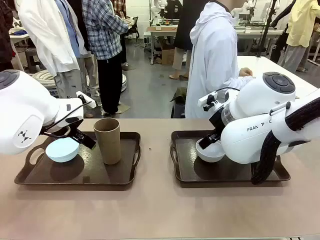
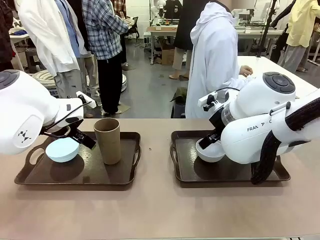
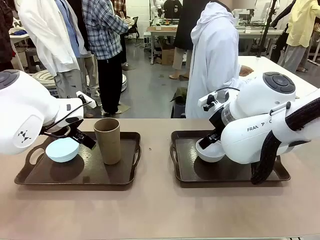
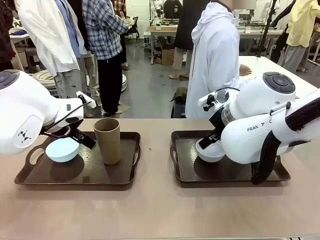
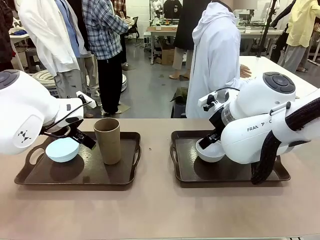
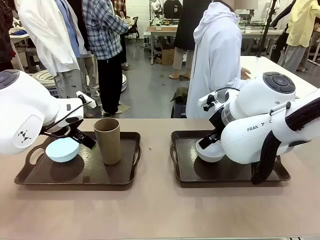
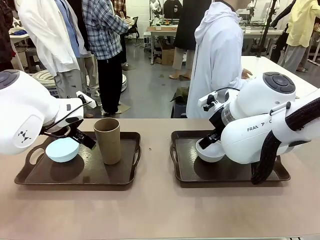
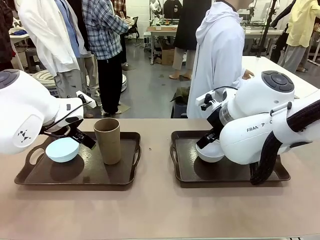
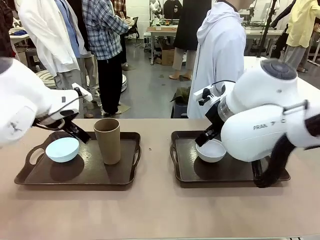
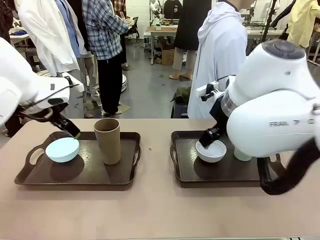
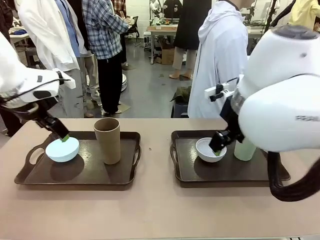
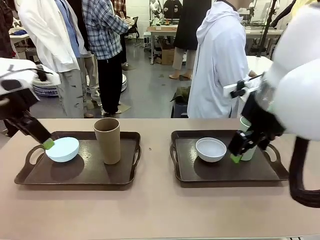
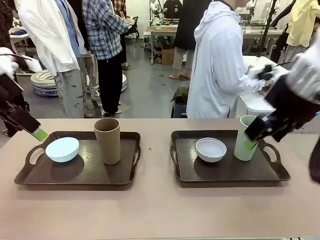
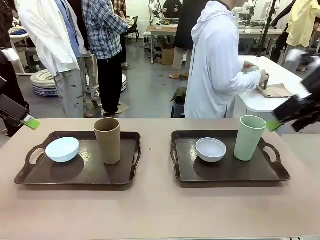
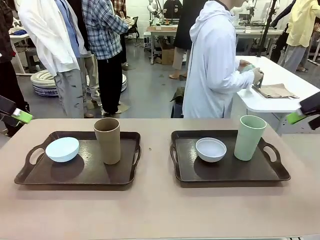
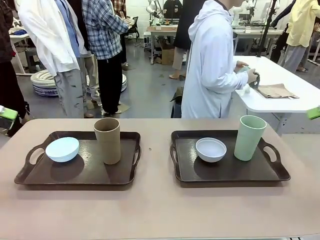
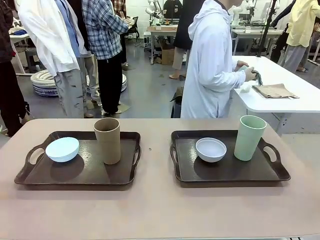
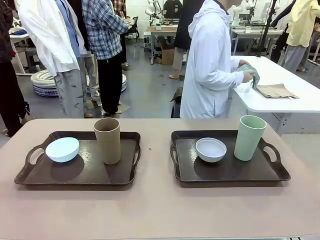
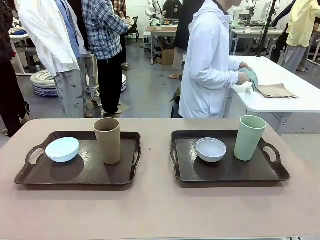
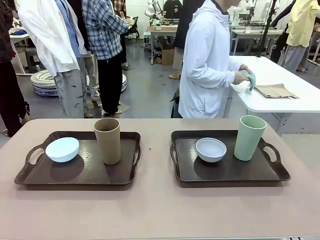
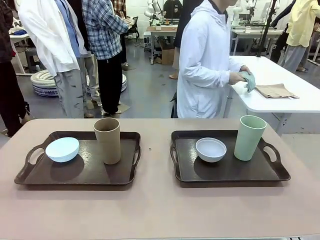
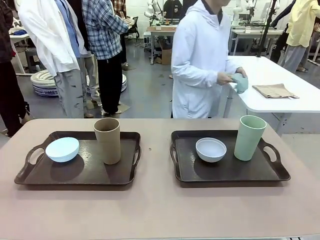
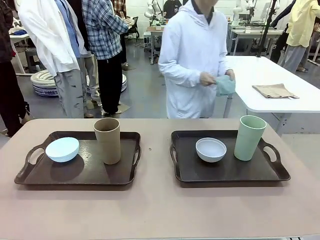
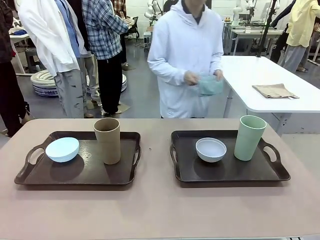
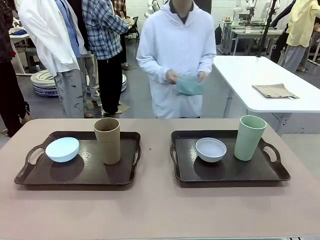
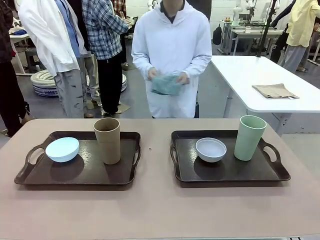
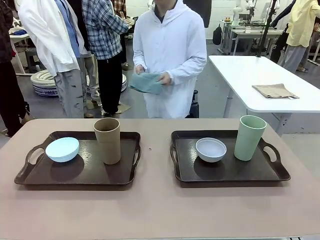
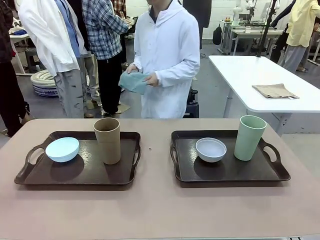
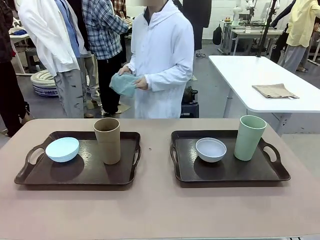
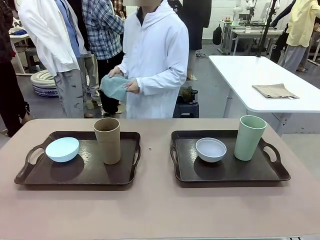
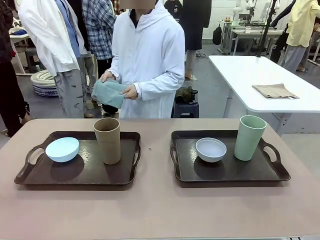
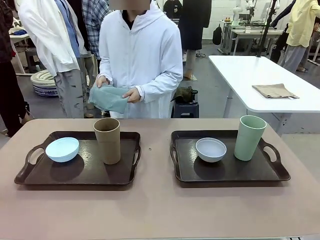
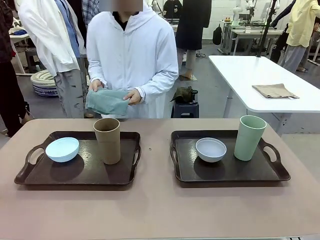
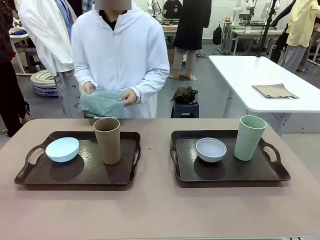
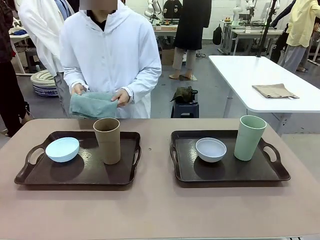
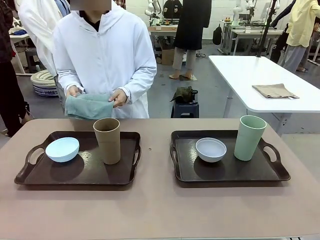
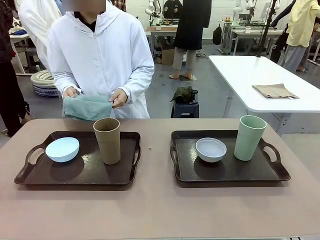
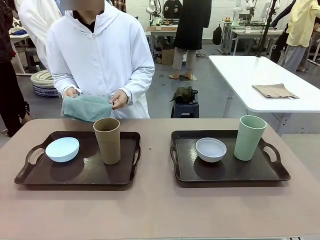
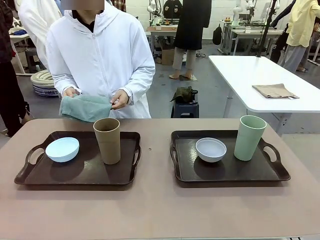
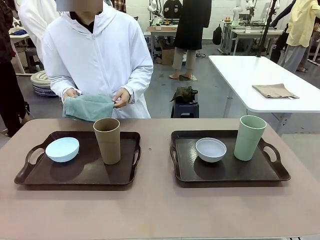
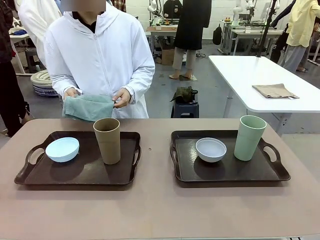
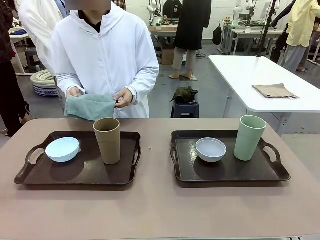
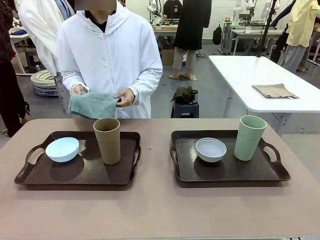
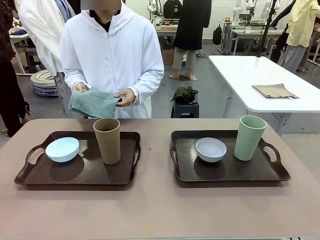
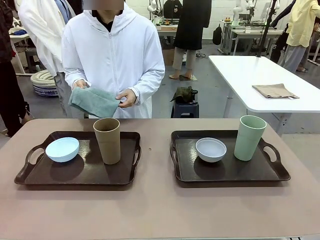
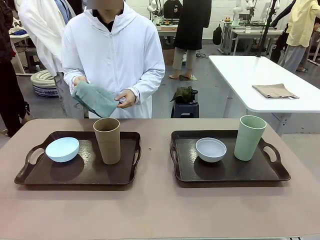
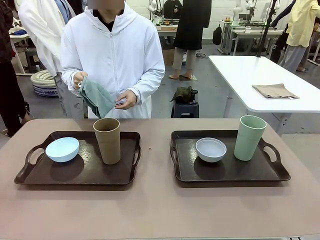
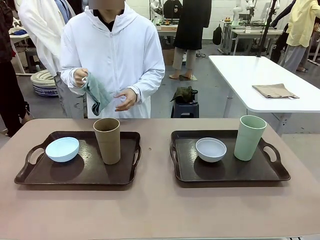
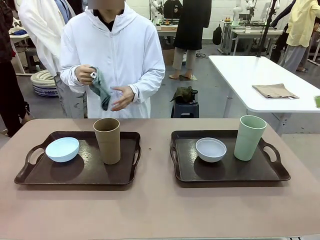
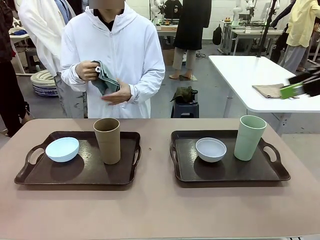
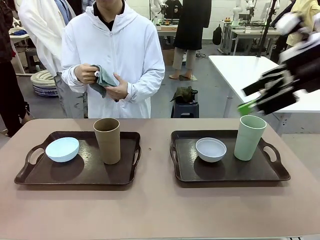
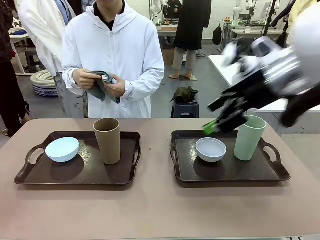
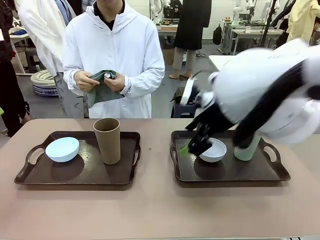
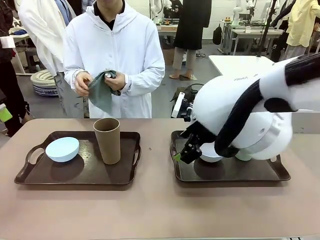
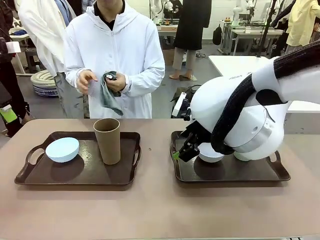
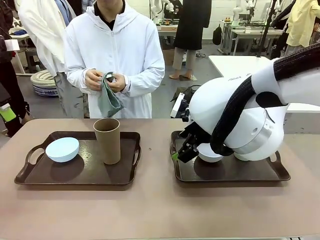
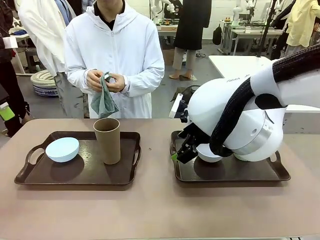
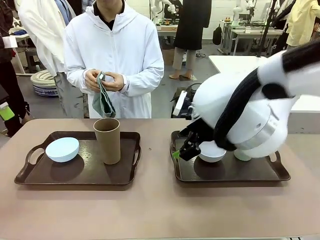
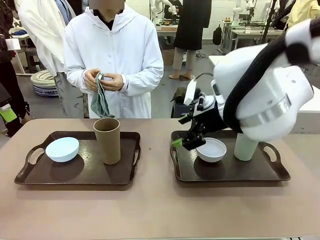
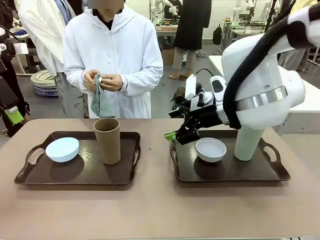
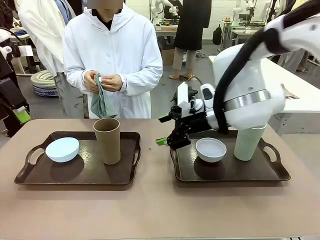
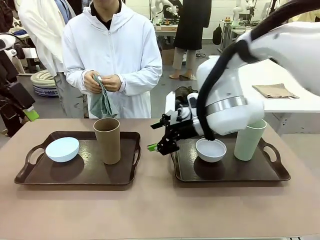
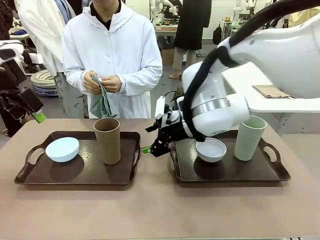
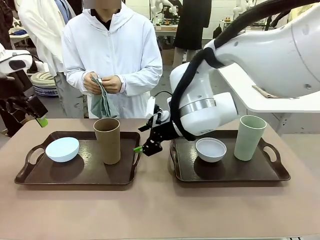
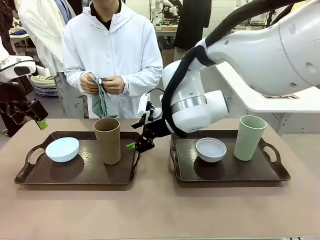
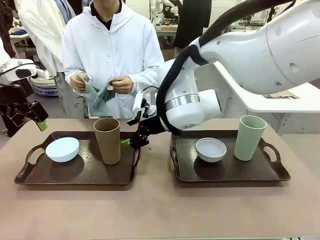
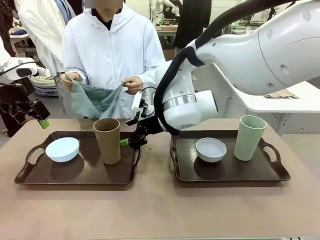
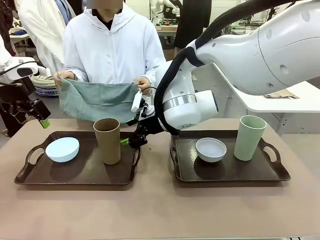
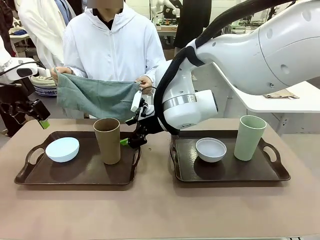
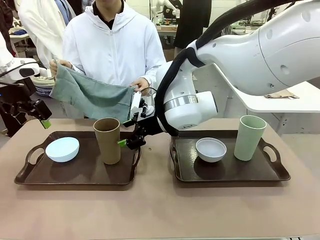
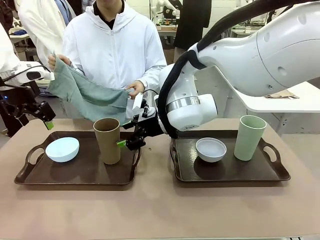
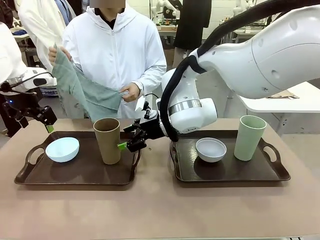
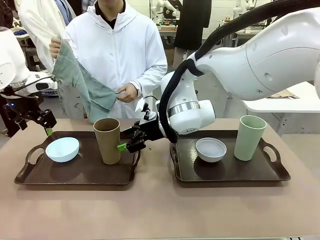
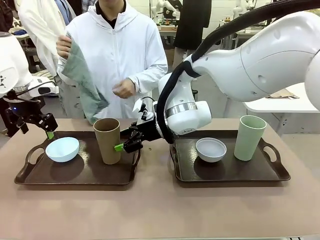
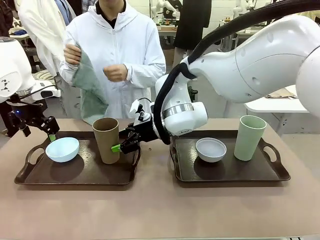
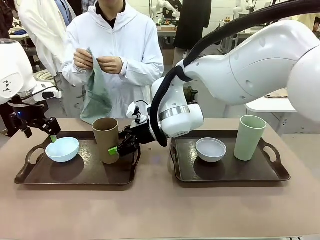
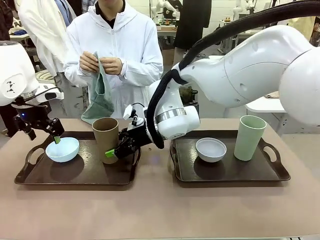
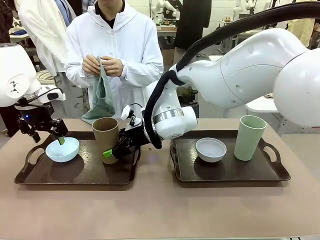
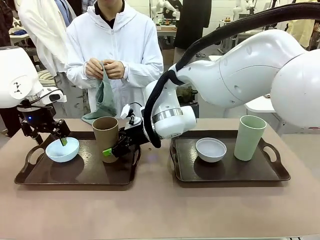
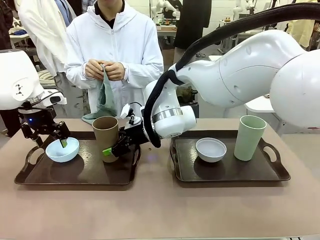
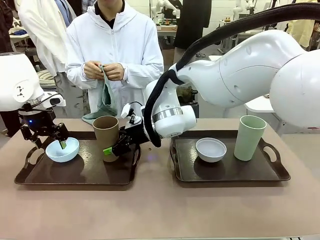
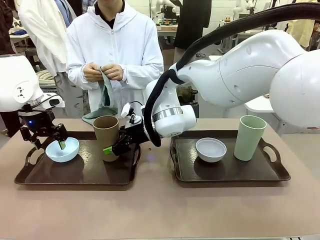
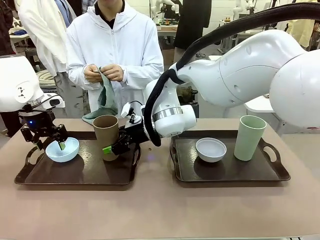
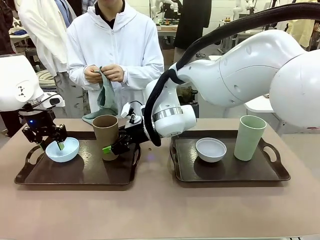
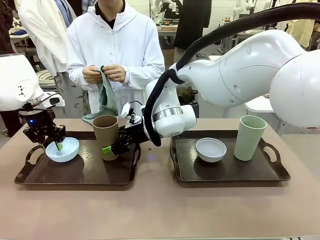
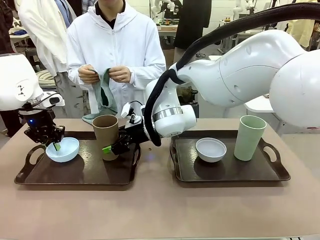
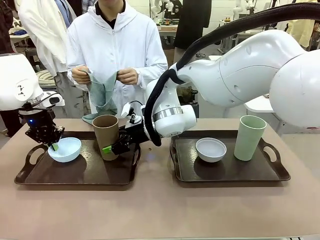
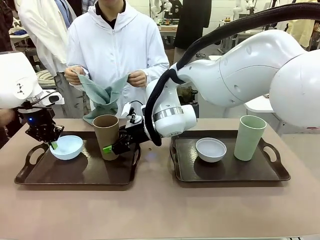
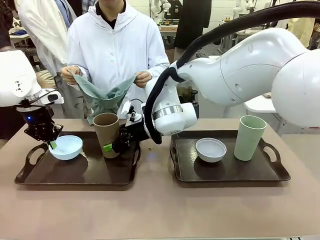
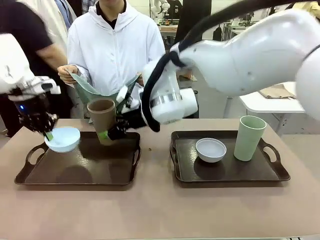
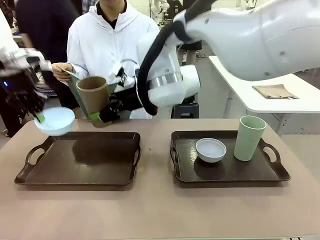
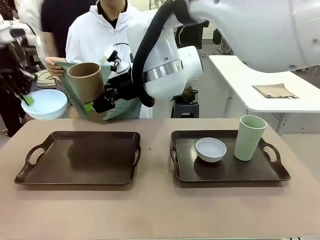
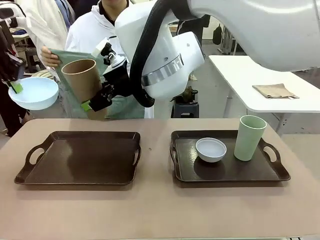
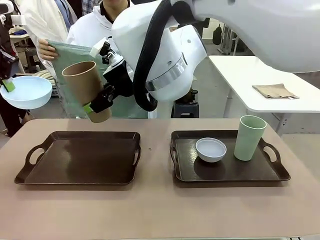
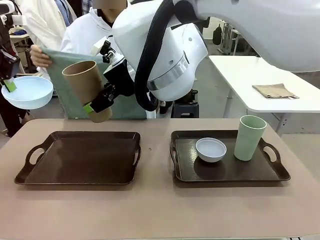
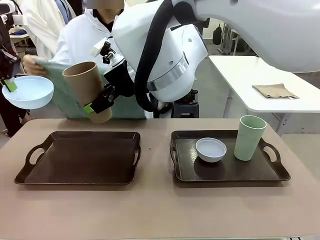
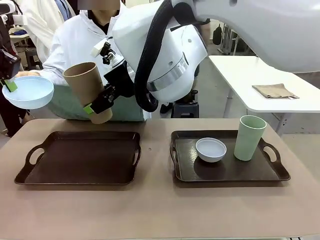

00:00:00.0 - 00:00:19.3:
Robot: Pick up the Picnic Bowl and Reusable plastic cup from the Handle tray in front of the human's position and hold them in the air.
Person: The human picks up the top napkin from the stack on the human table and walks to the robot table to stand in front of one of the two trays. When the robot lifts the bowl and the cup, the human unfolds the napkin and lays the napkin flat on the tray.
